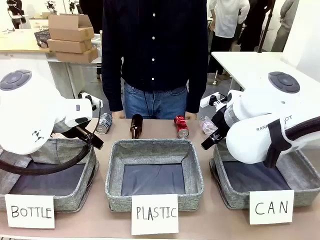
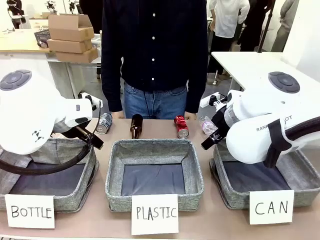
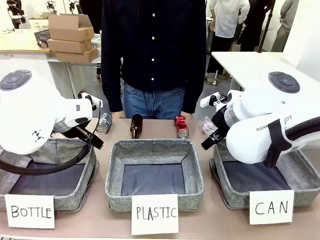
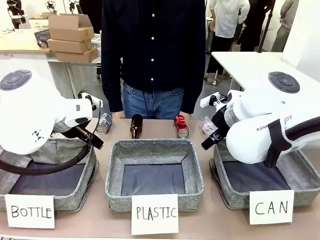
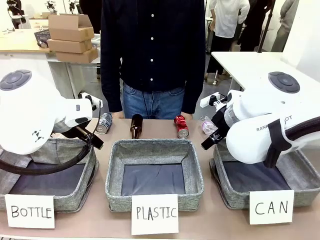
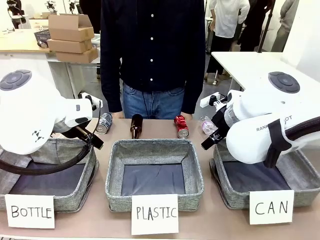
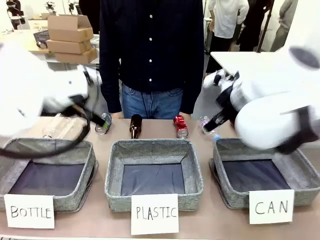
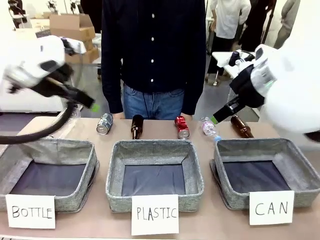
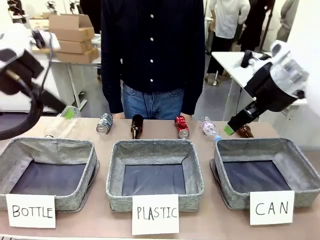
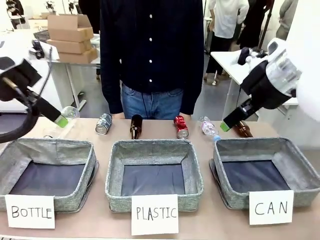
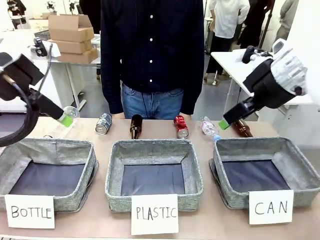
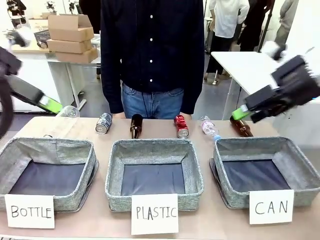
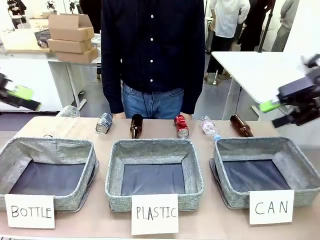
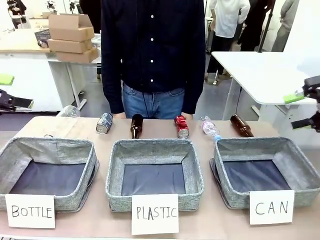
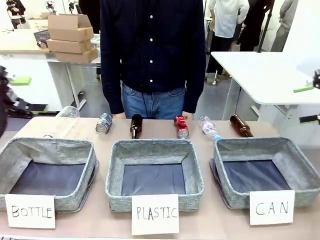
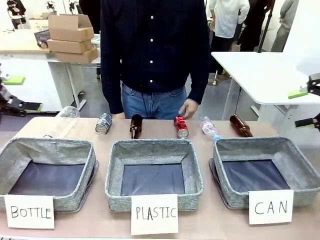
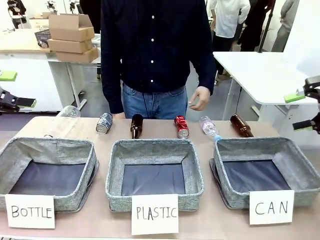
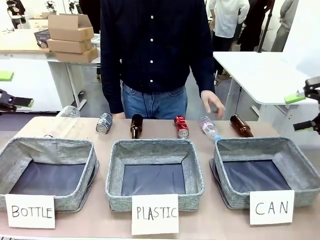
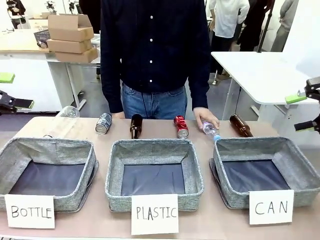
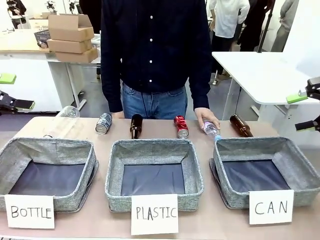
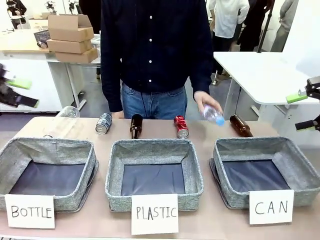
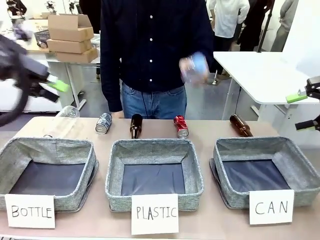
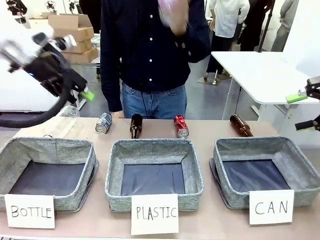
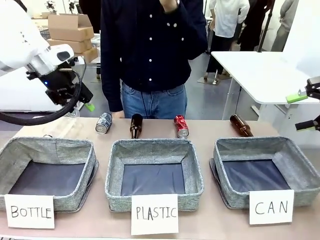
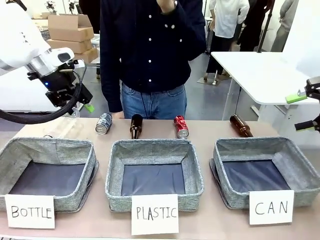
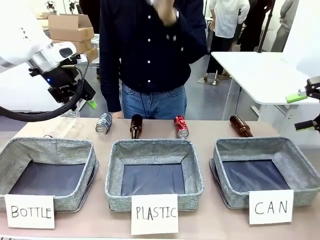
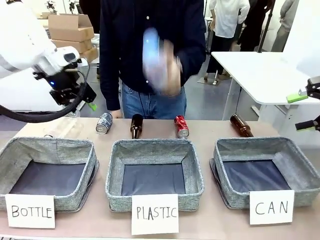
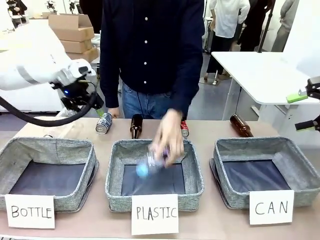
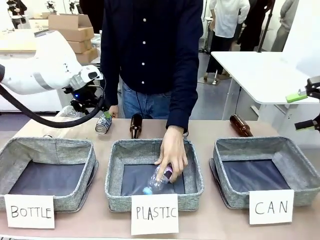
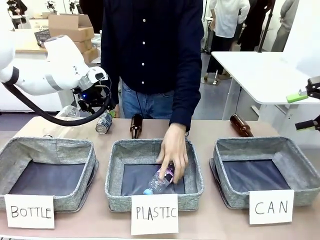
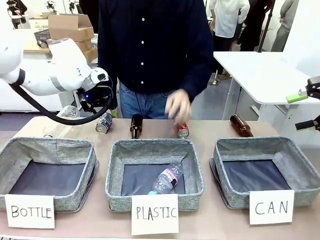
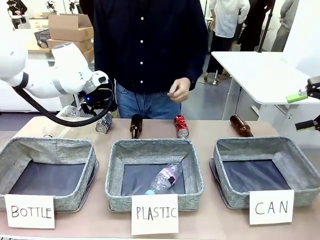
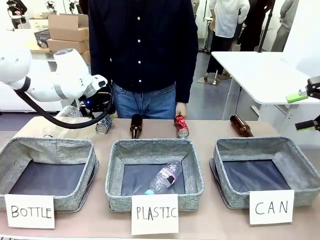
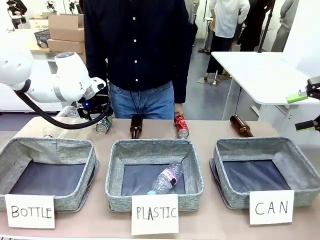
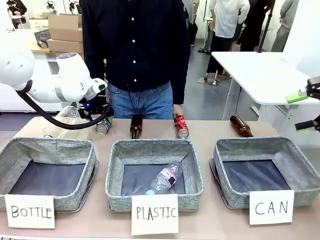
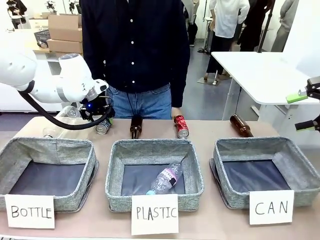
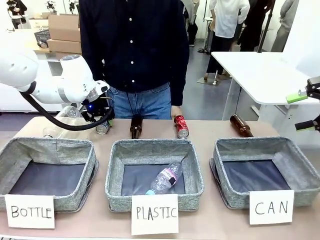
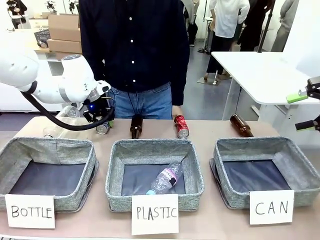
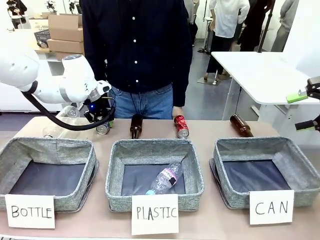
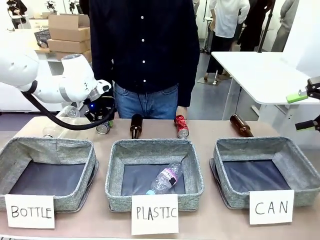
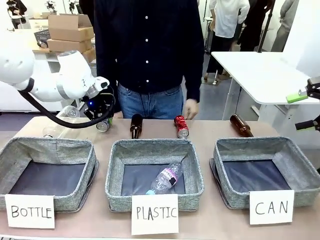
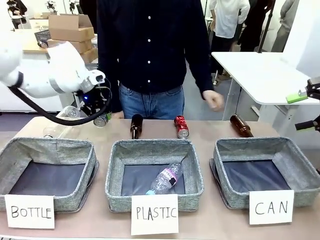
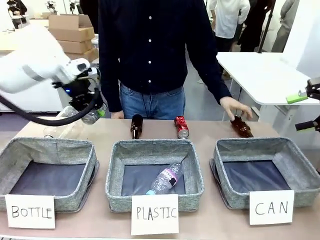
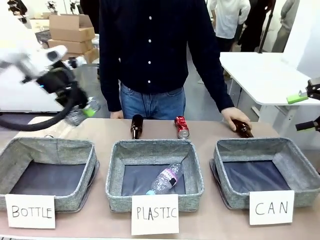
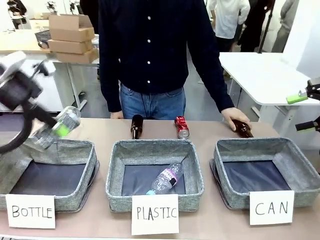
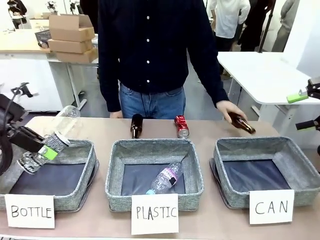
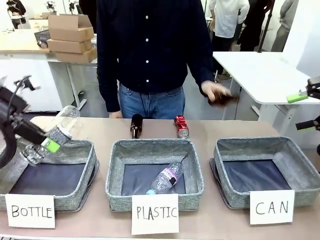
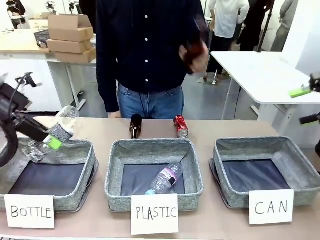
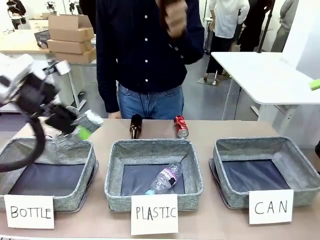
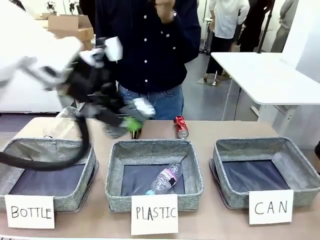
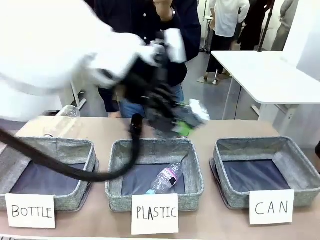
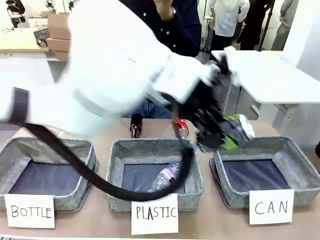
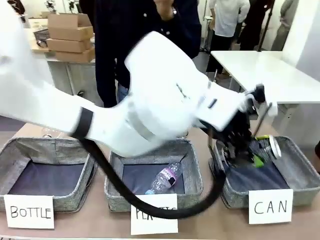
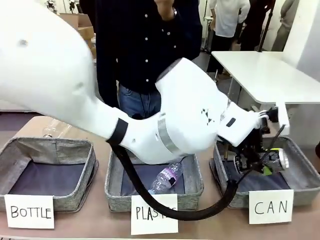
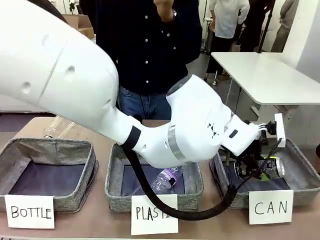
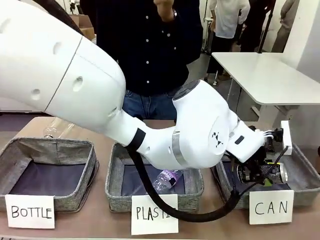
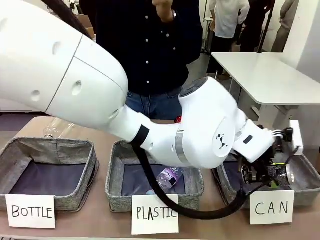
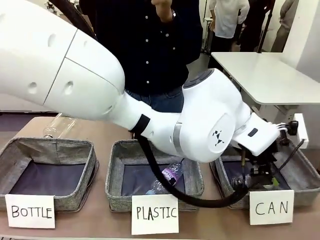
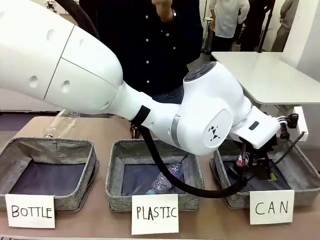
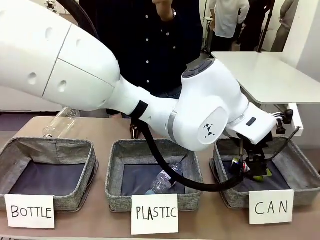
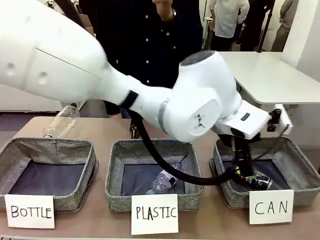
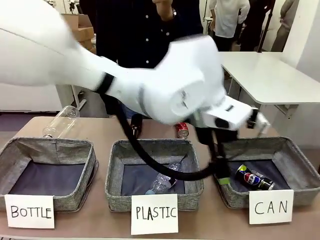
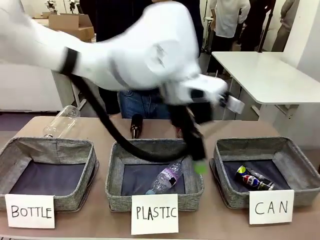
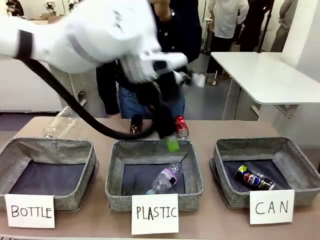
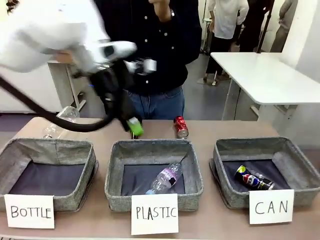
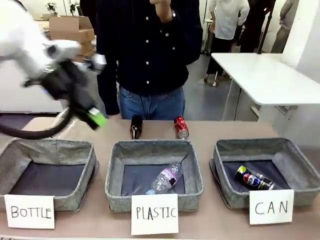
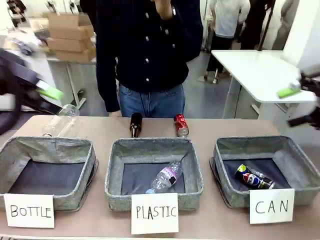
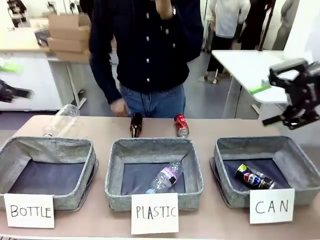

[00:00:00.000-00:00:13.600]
Task: Sort the can waste into the basket.
Robot: Pick up the can waste from the table and place it in the right Fabric basket.

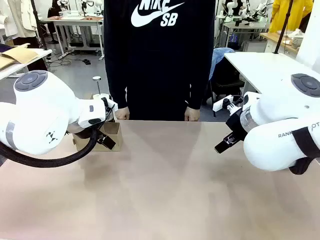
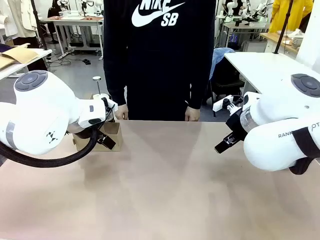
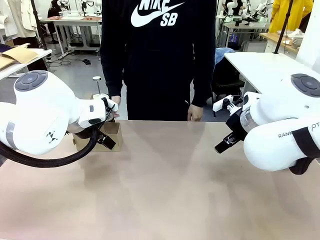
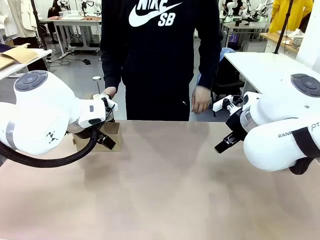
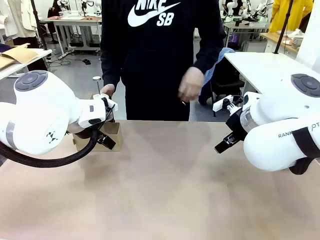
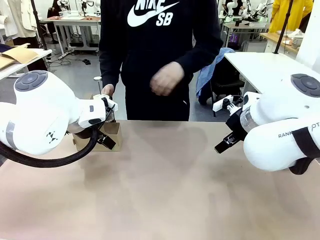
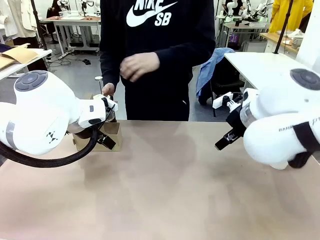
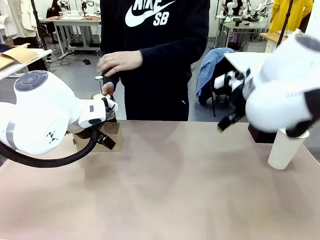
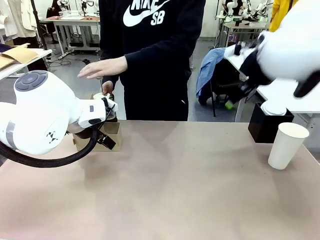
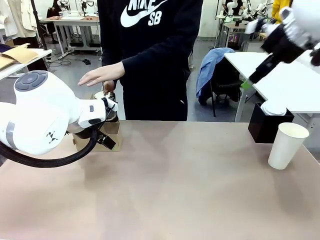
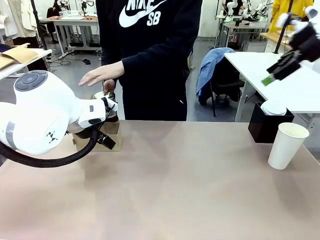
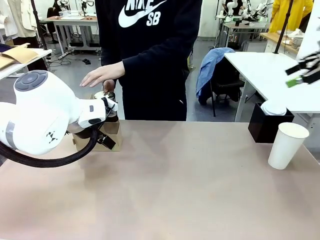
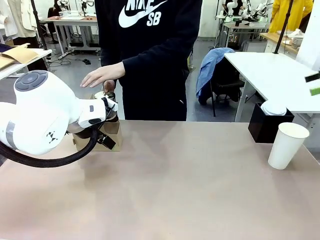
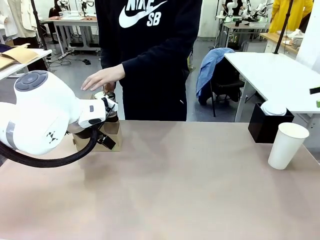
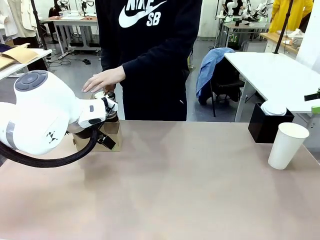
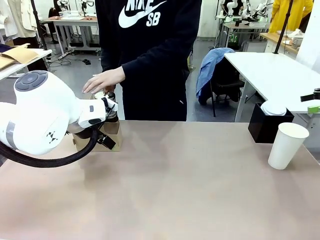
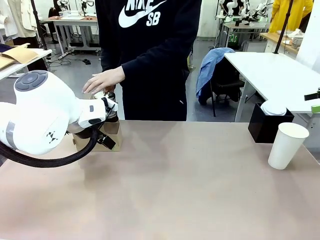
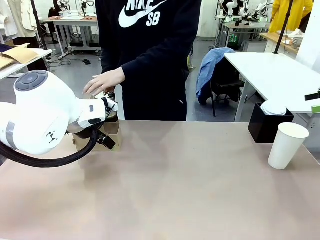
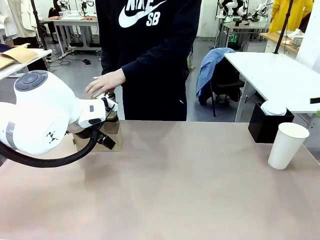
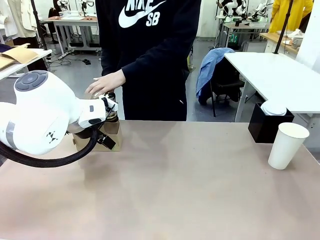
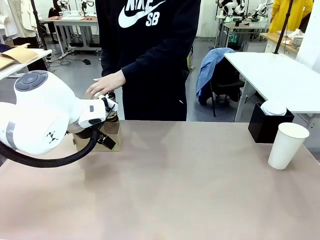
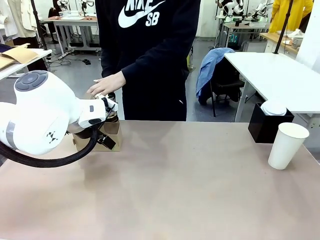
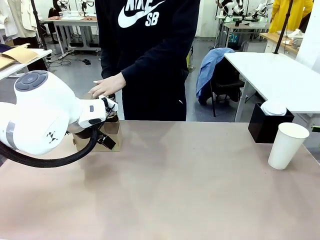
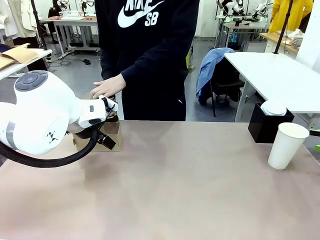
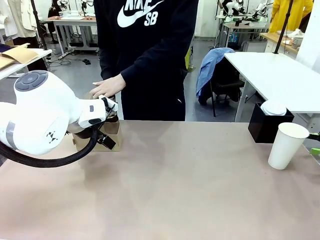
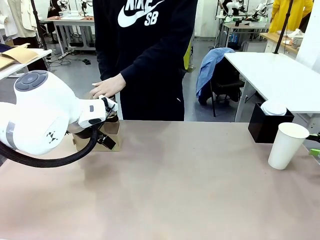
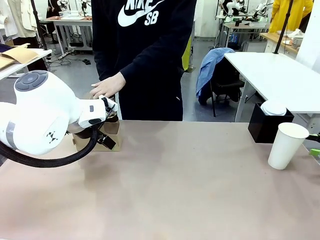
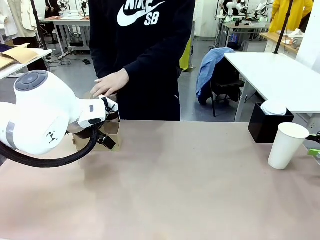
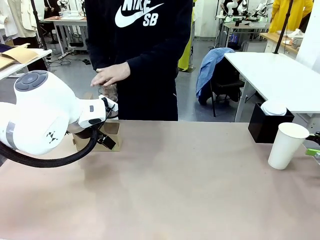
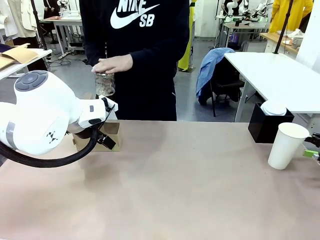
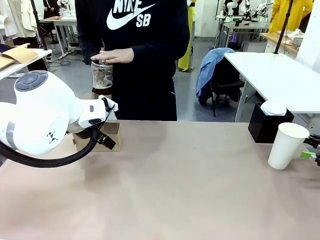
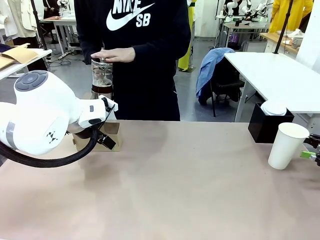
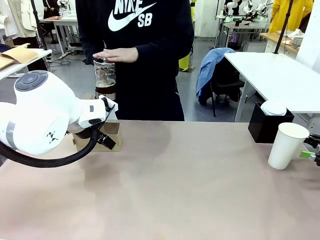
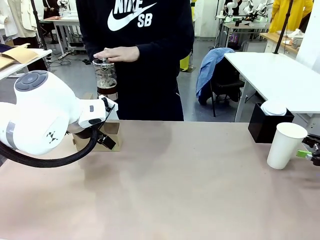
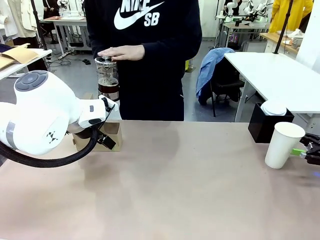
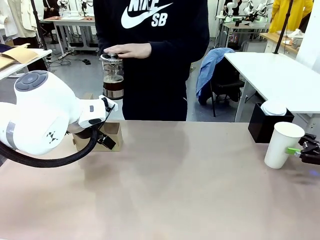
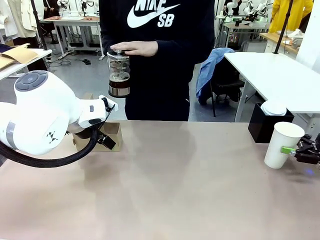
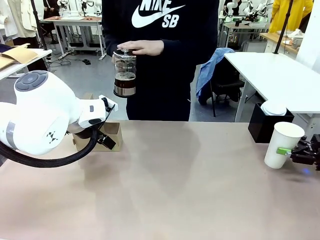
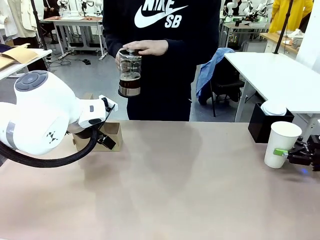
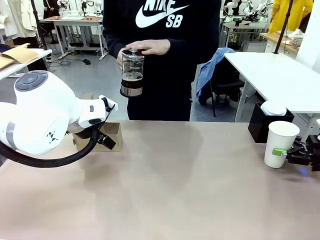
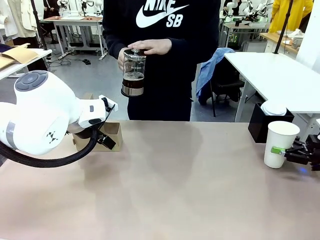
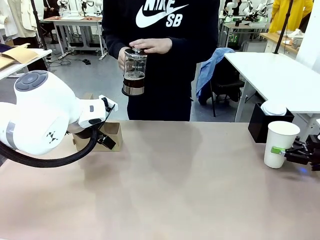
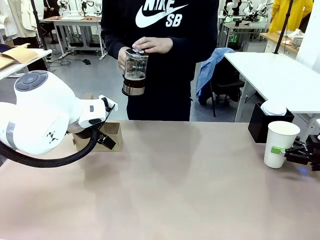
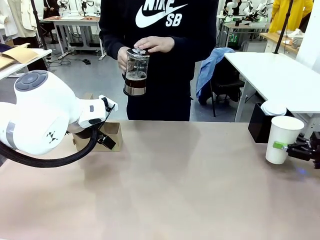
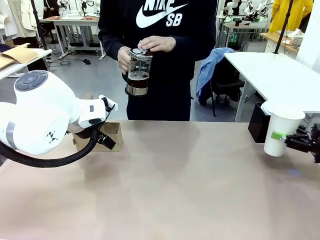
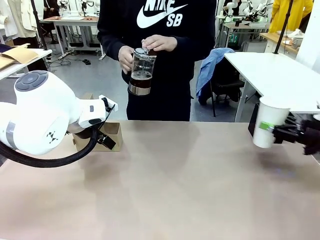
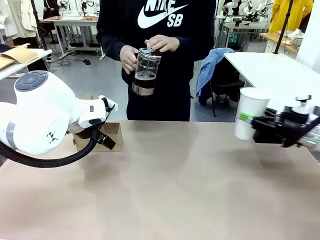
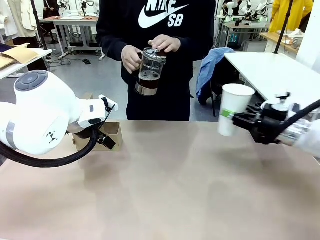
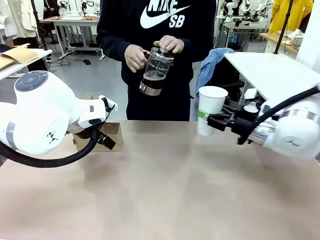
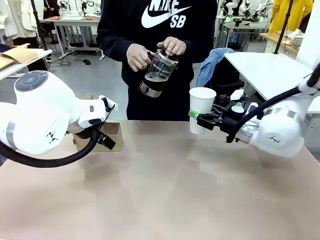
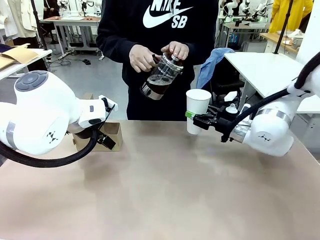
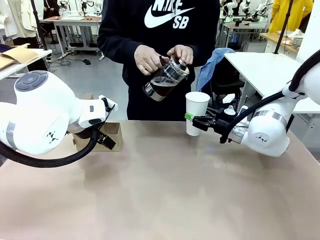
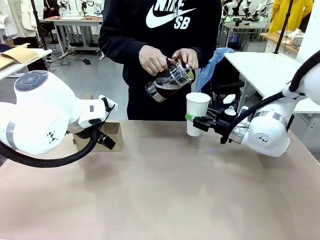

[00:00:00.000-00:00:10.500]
Task: Pour a drink into a cup and package it in a carrier.
Robot: Pick up the 600 ml Paper Cup and place it in the middle top area of the table.
Person: Press and pick up the Filter Brewing.
